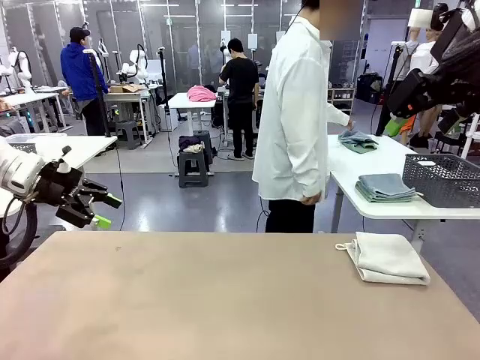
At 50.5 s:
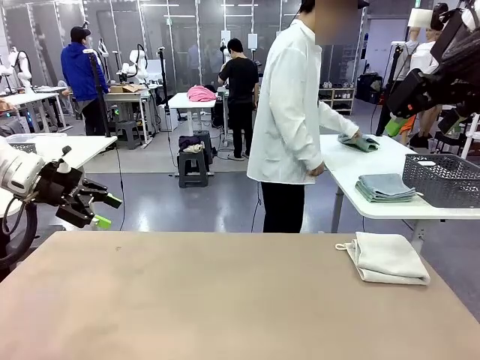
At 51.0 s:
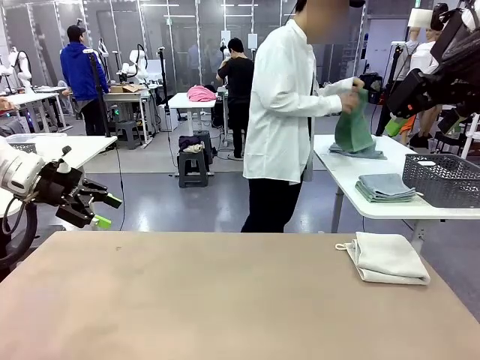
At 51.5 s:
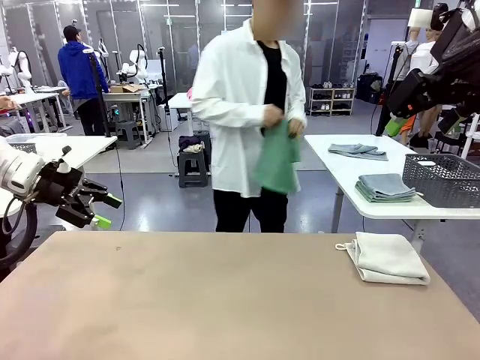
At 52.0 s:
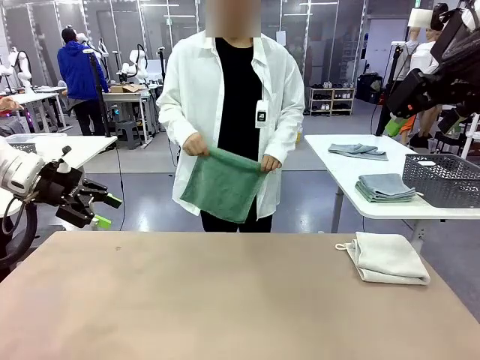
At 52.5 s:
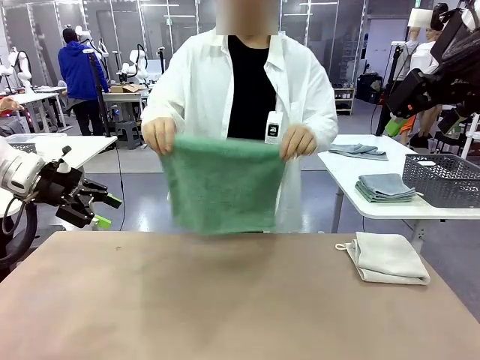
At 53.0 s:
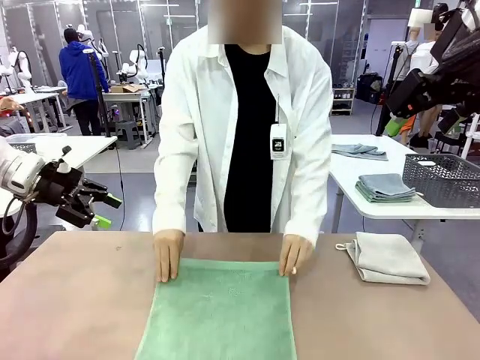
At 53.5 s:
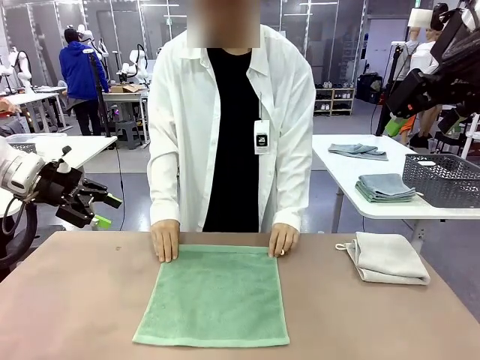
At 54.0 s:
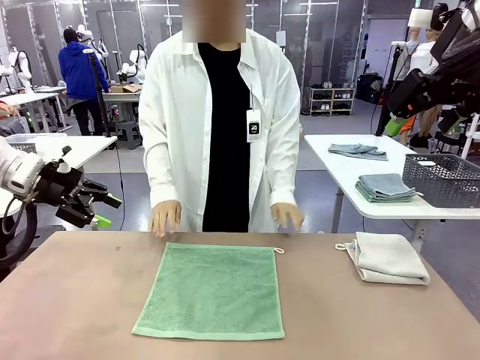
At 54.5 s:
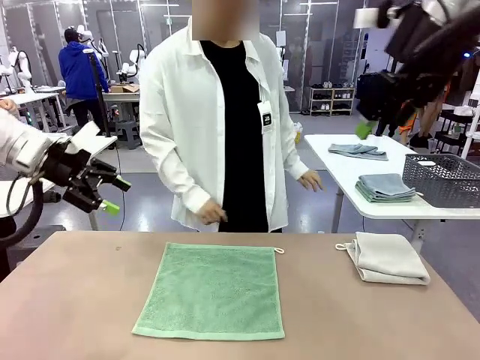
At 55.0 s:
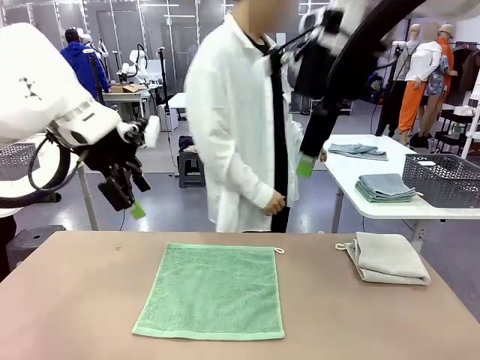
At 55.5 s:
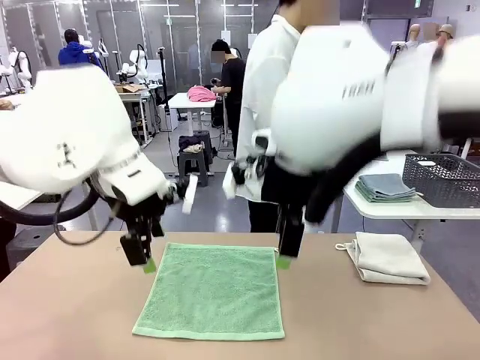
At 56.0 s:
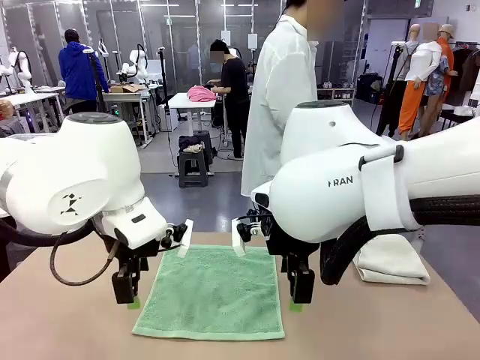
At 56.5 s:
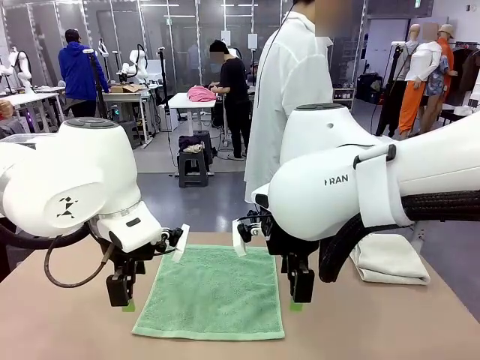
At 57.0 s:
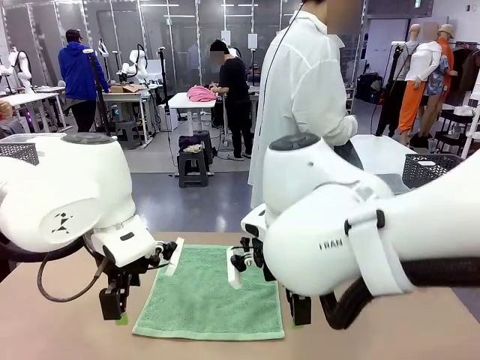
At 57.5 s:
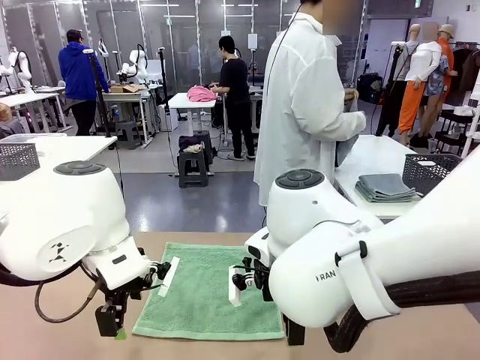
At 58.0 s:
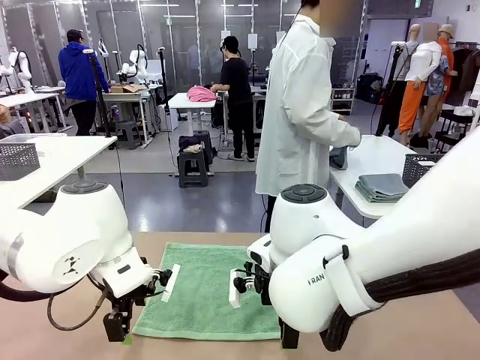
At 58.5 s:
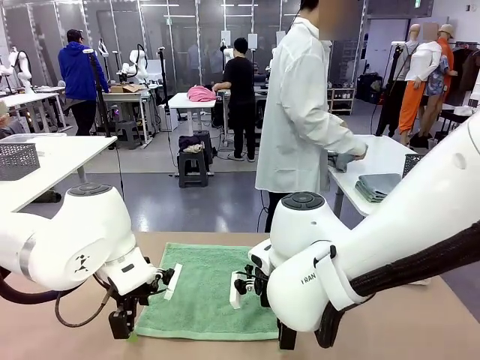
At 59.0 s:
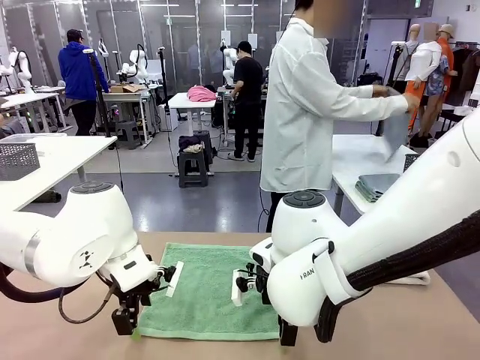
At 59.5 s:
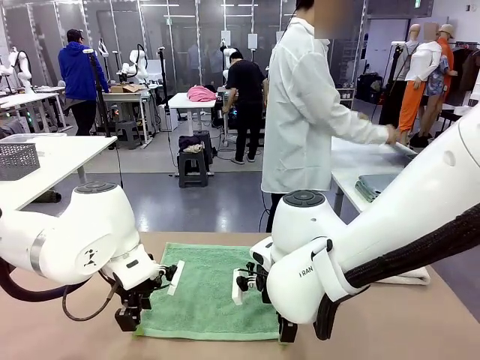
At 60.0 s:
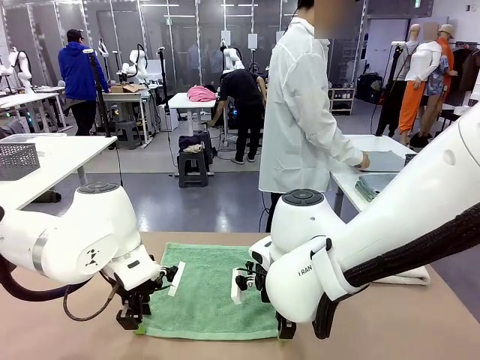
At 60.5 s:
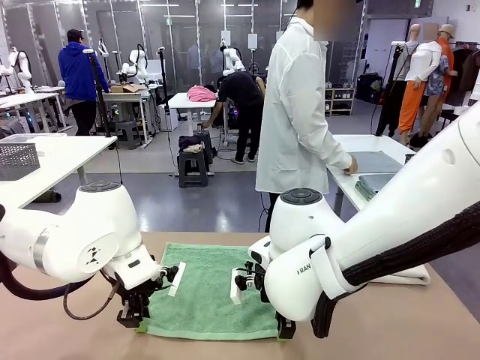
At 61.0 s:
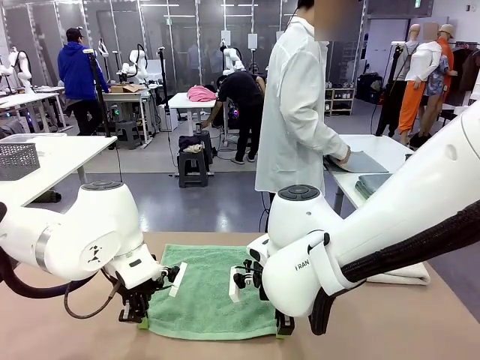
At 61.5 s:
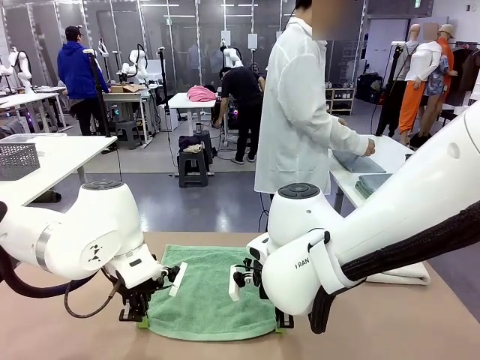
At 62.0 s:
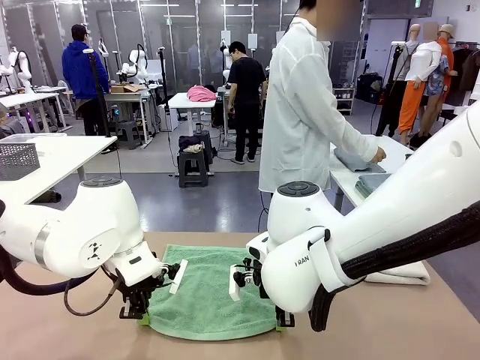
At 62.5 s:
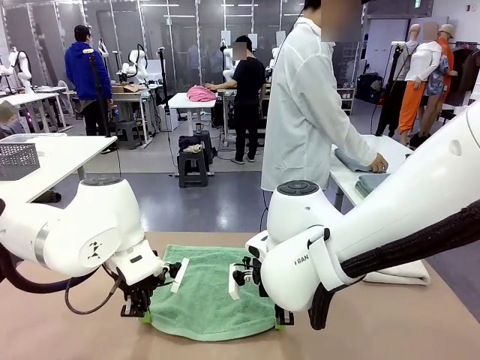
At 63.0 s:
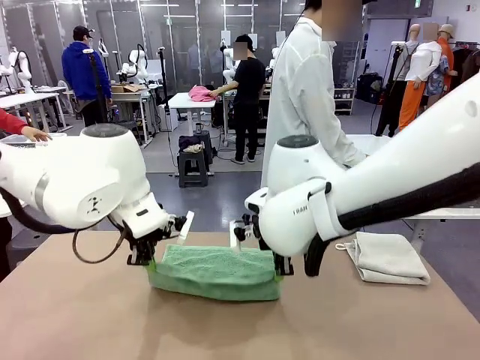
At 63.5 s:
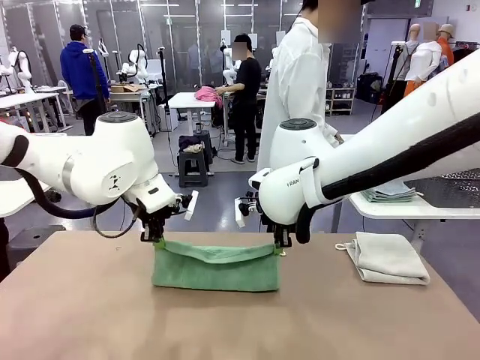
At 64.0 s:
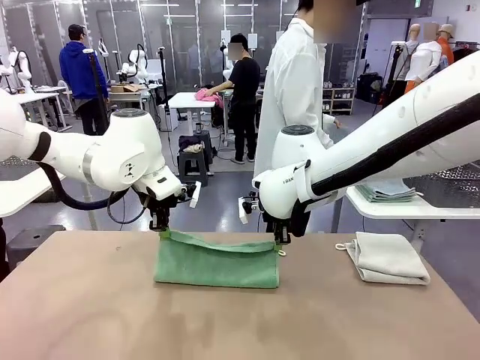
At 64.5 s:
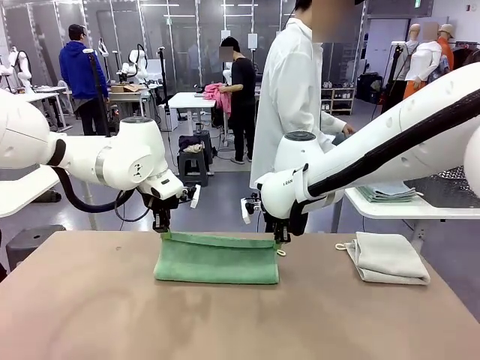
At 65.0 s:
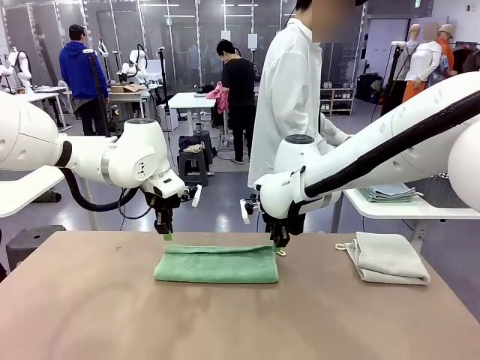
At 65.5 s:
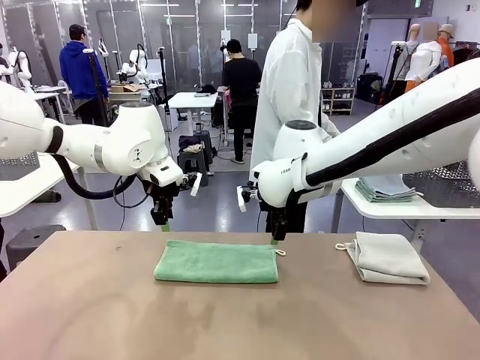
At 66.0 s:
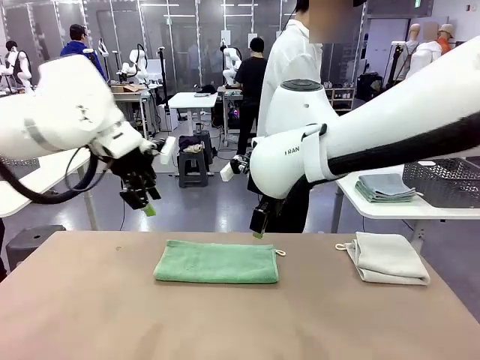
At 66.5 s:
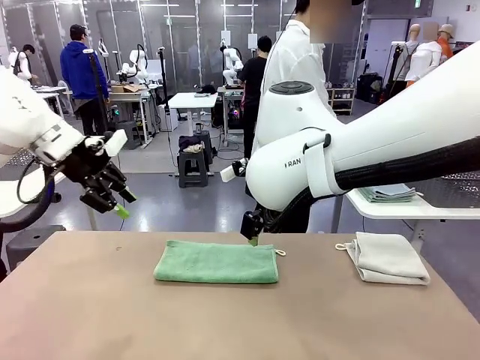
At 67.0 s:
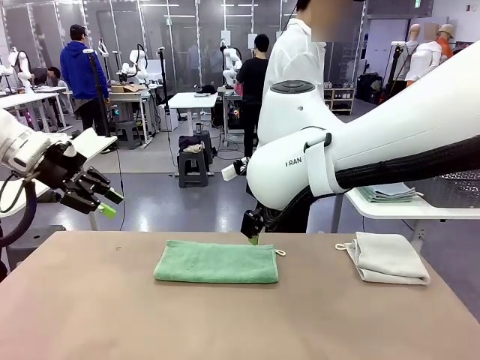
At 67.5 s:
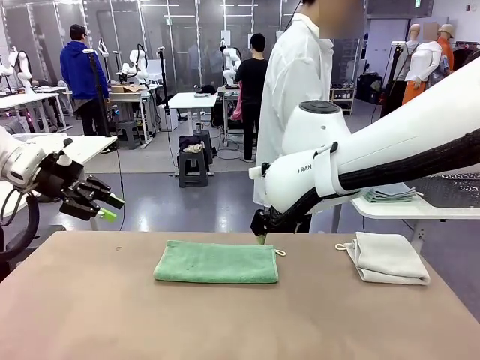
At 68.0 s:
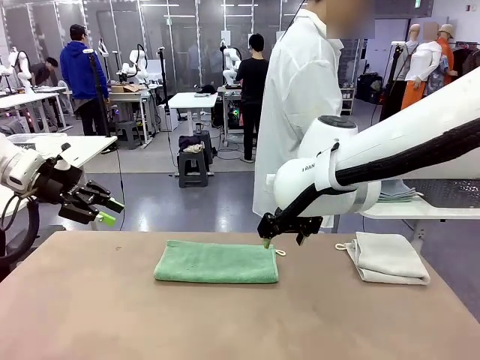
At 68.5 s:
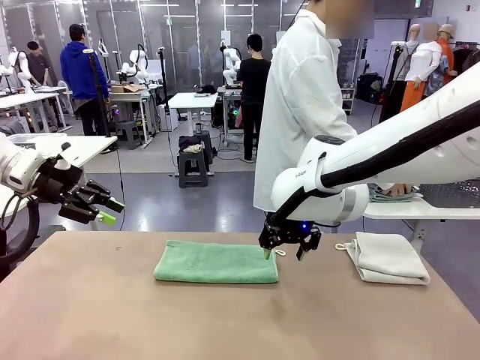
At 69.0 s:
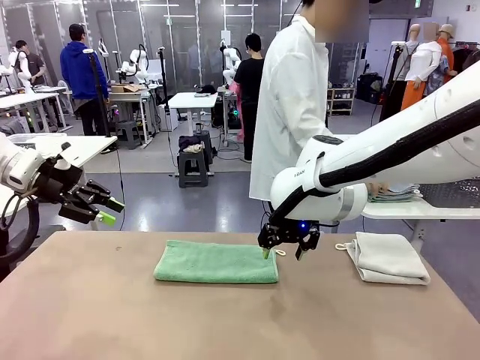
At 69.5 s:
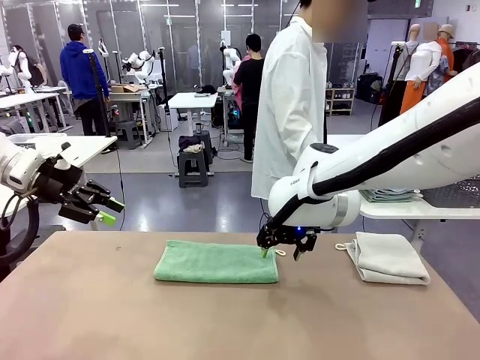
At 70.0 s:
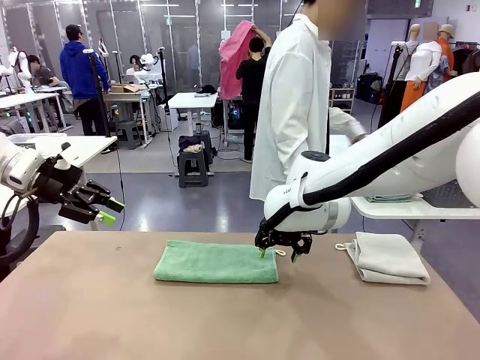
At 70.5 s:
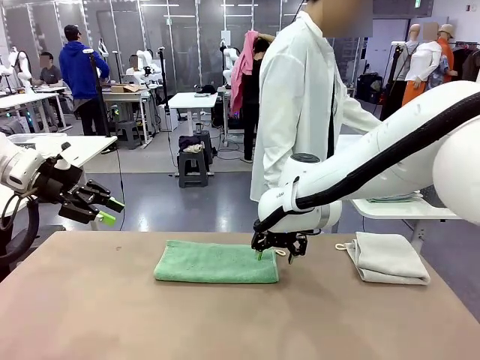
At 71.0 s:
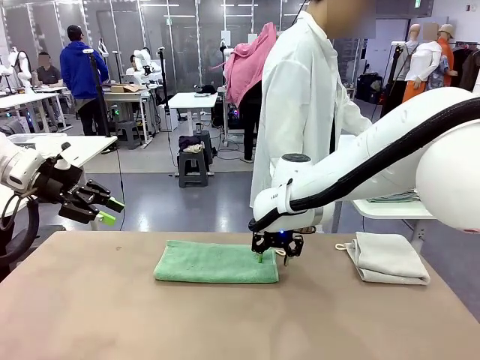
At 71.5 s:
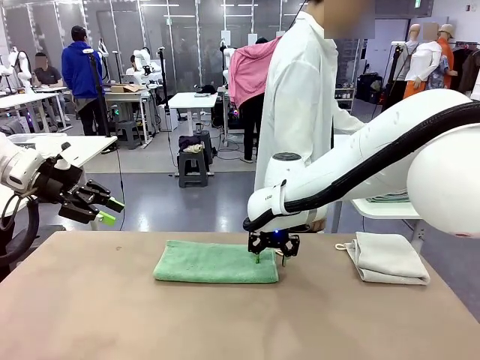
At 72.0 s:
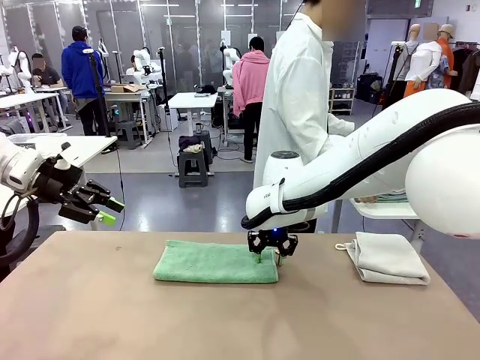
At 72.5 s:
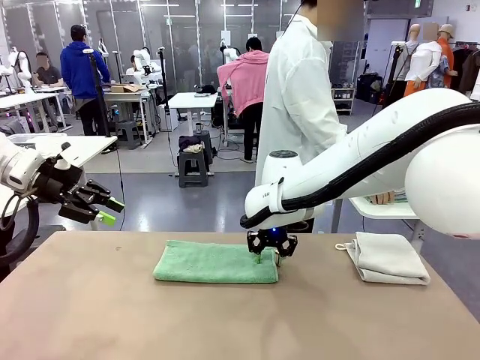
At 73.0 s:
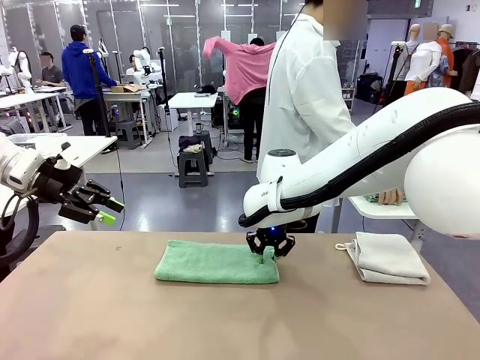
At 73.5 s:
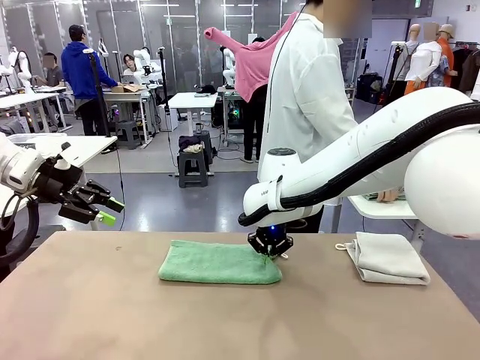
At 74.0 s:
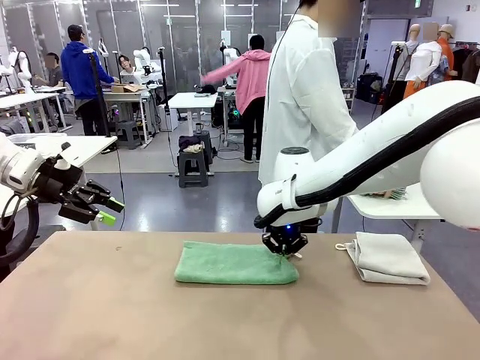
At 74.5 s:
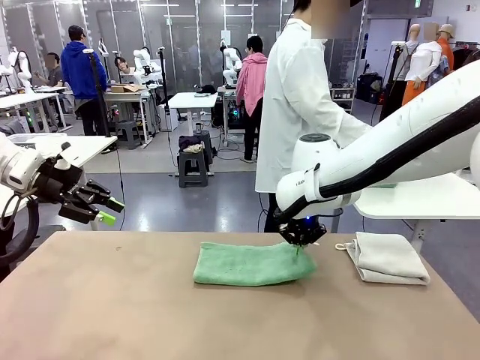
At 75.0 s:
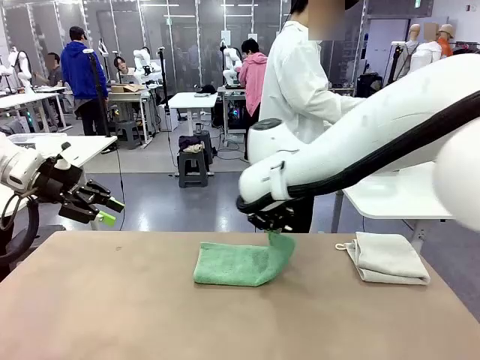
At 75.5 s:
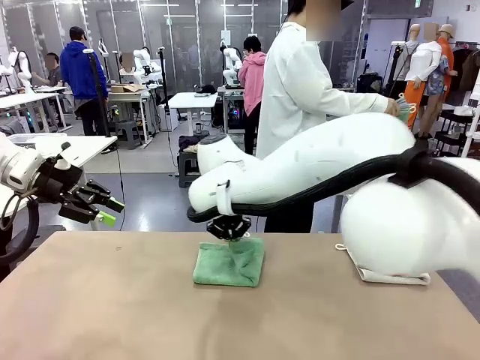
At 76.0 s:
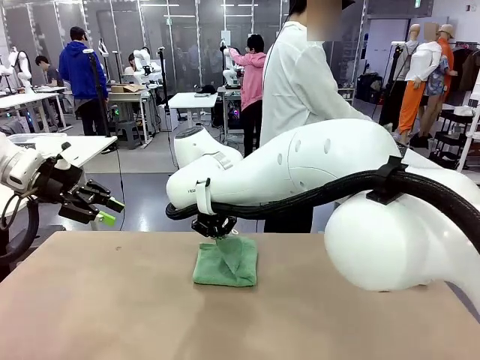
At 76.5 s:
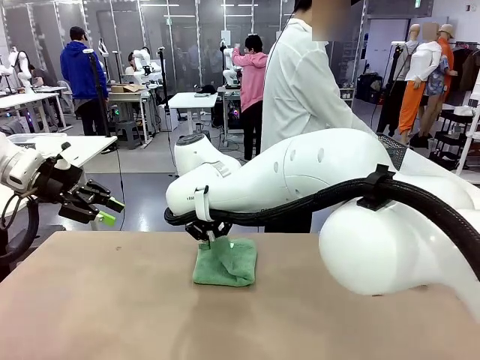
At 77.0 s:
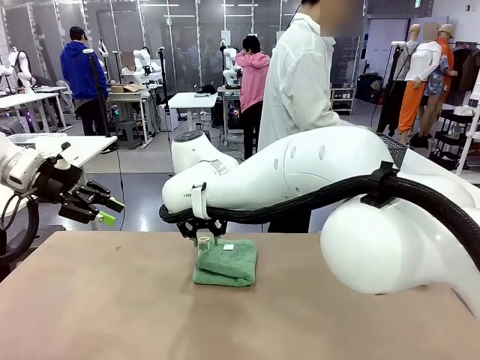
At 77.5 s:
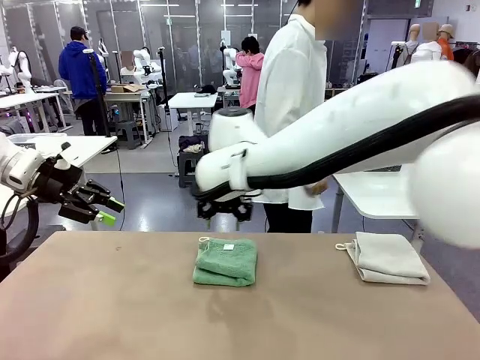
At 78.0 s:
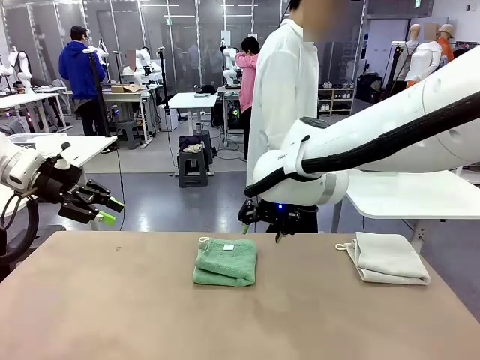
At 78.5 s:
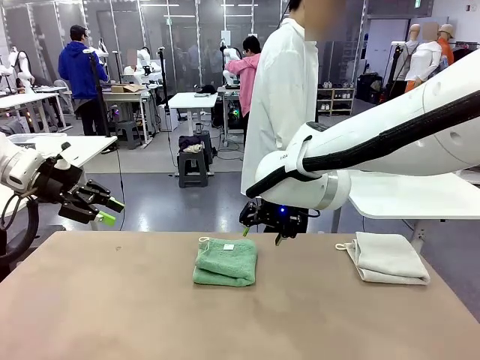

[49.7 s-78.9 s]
Task: Fold the towels and place them in the basket.
Robot: When a person lays out a Towel with hook on the table, fold it in half twice.
Person: Pick up one towel from the left side of the human table and spread it out at the center of the robot table. Pick up one towel from the left side of the human table, fold it in half twice, and stack it on the right side of the table. Pick up the stack of towels from the right side of the human table, place it into the basket, and put the basket at the center of the table.
